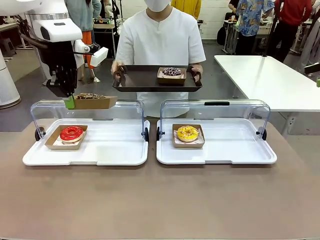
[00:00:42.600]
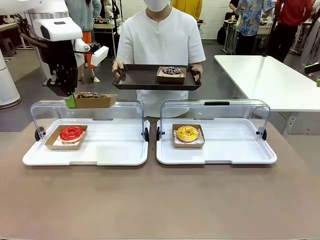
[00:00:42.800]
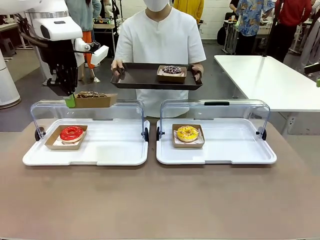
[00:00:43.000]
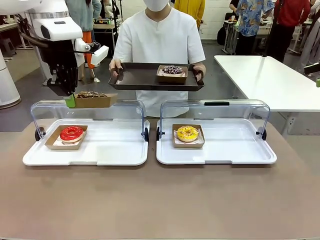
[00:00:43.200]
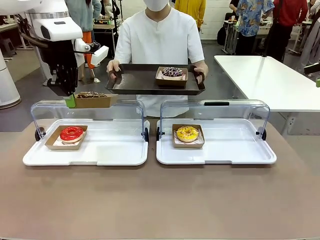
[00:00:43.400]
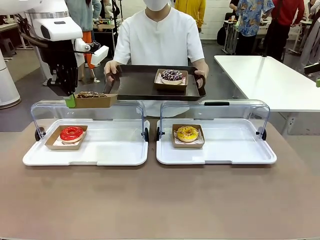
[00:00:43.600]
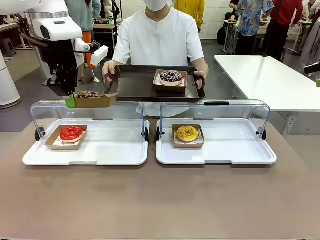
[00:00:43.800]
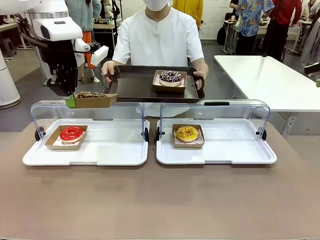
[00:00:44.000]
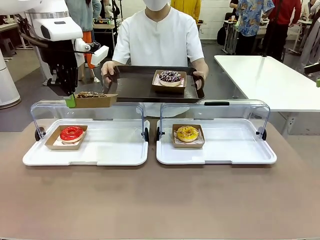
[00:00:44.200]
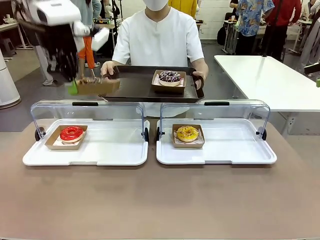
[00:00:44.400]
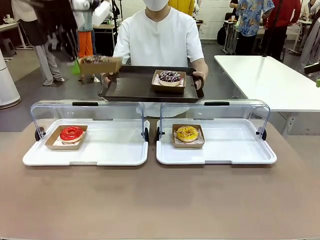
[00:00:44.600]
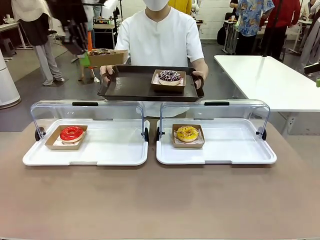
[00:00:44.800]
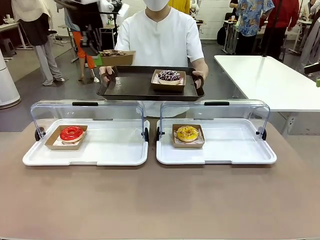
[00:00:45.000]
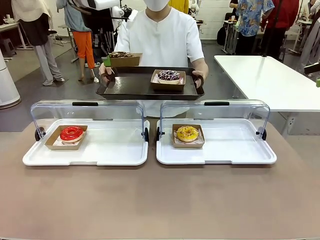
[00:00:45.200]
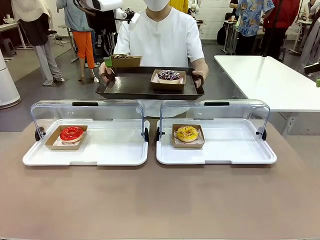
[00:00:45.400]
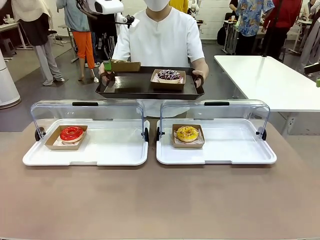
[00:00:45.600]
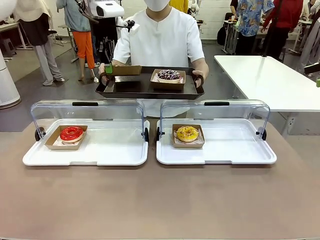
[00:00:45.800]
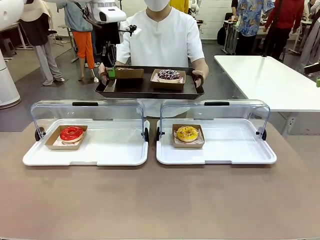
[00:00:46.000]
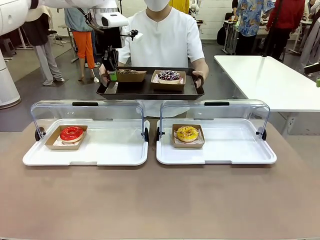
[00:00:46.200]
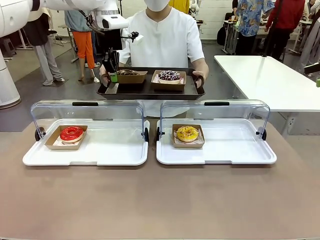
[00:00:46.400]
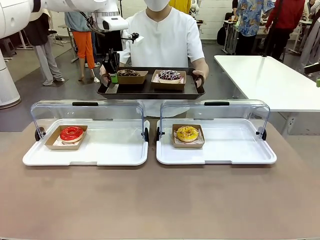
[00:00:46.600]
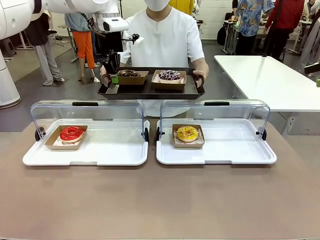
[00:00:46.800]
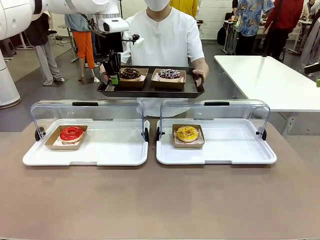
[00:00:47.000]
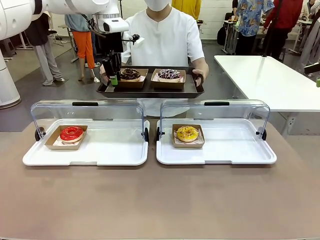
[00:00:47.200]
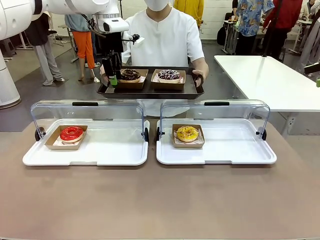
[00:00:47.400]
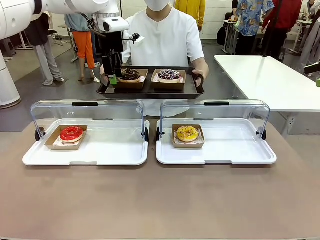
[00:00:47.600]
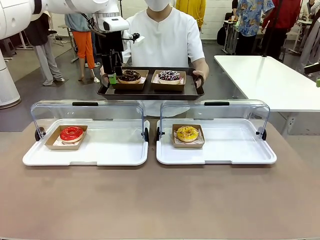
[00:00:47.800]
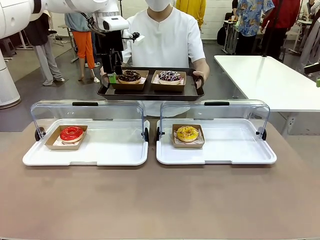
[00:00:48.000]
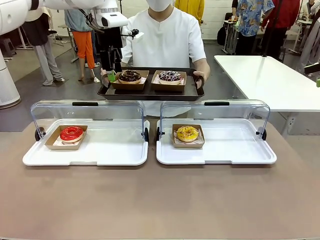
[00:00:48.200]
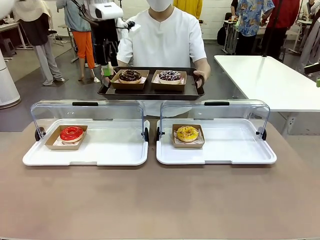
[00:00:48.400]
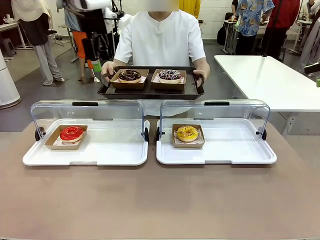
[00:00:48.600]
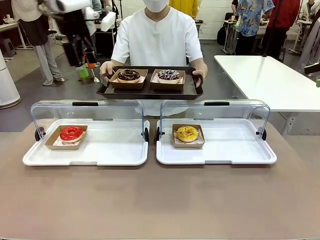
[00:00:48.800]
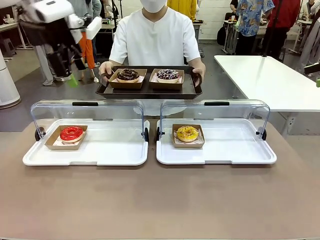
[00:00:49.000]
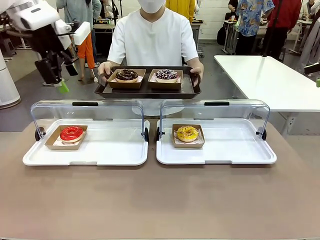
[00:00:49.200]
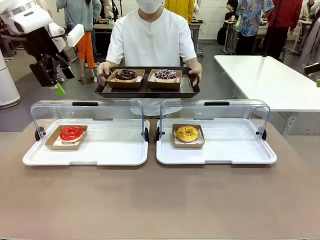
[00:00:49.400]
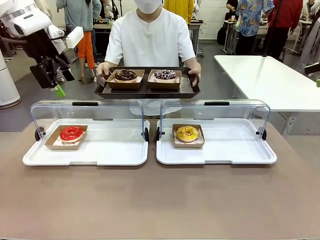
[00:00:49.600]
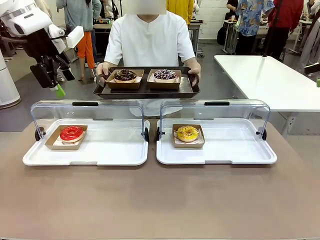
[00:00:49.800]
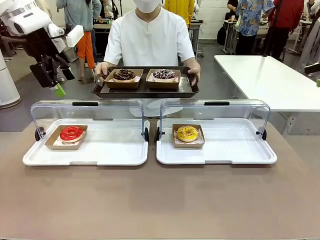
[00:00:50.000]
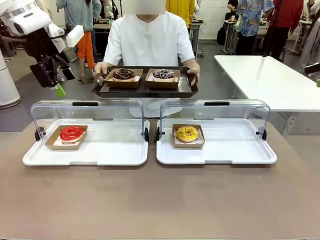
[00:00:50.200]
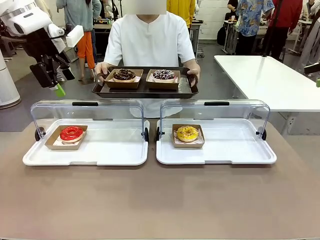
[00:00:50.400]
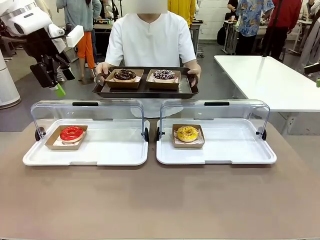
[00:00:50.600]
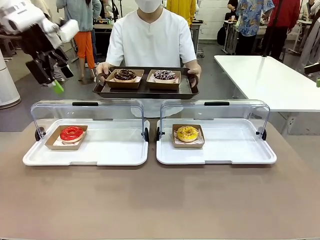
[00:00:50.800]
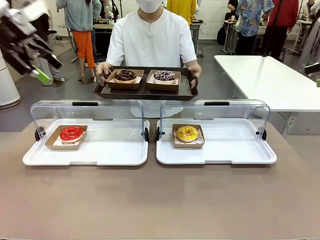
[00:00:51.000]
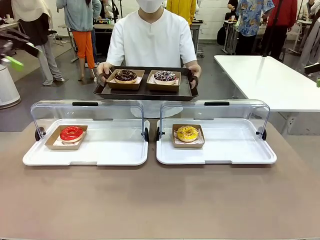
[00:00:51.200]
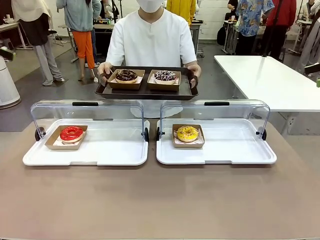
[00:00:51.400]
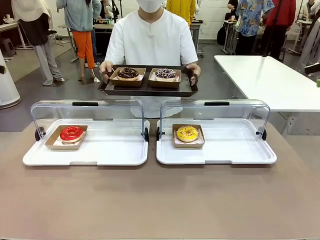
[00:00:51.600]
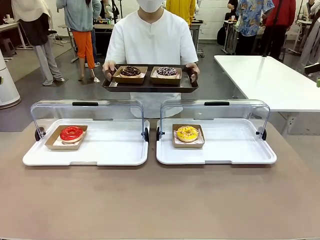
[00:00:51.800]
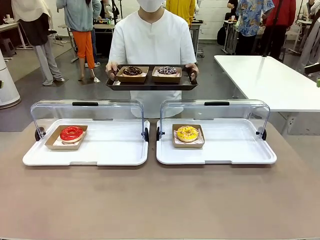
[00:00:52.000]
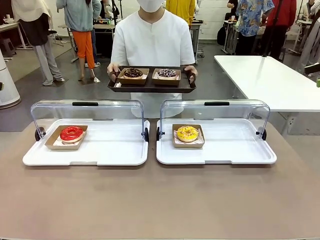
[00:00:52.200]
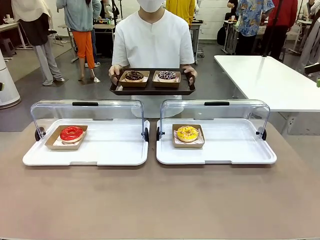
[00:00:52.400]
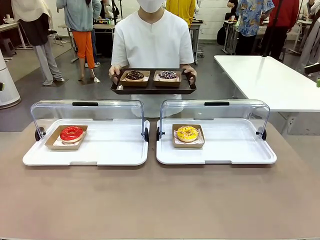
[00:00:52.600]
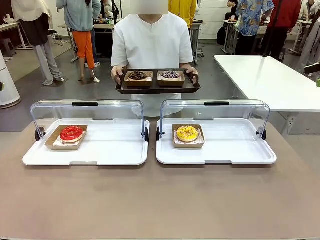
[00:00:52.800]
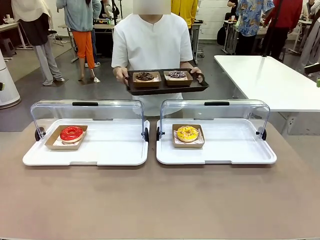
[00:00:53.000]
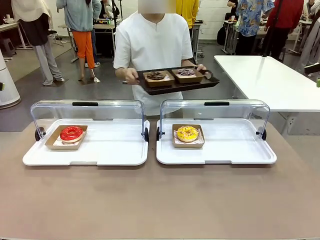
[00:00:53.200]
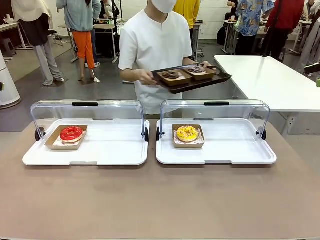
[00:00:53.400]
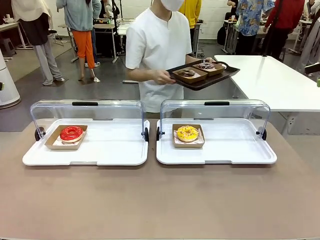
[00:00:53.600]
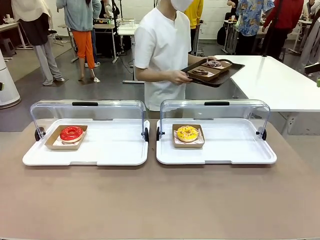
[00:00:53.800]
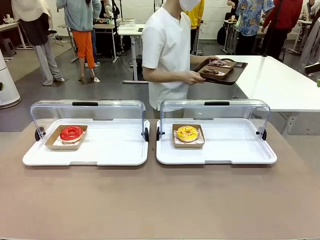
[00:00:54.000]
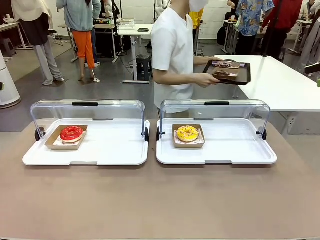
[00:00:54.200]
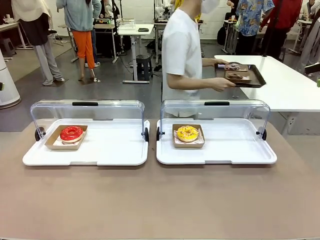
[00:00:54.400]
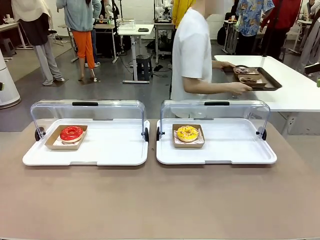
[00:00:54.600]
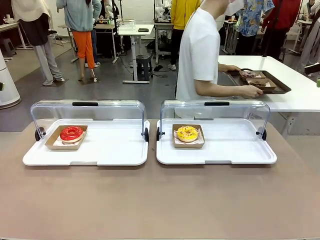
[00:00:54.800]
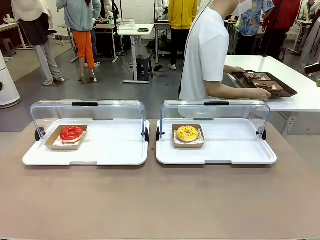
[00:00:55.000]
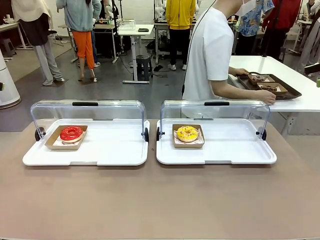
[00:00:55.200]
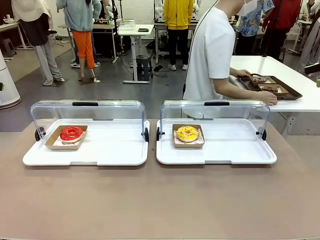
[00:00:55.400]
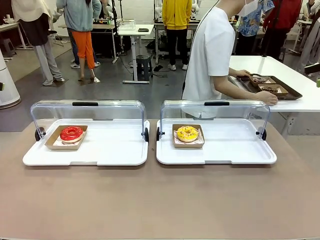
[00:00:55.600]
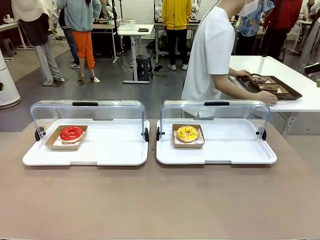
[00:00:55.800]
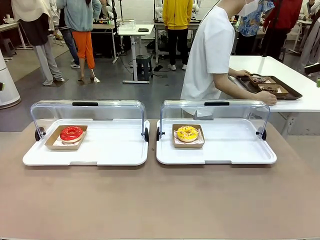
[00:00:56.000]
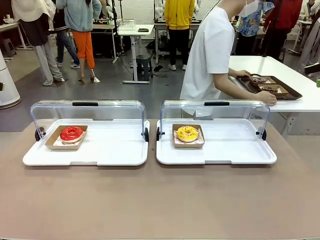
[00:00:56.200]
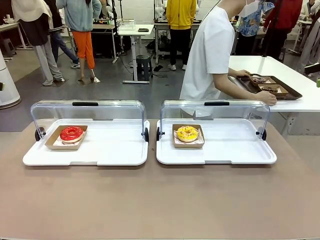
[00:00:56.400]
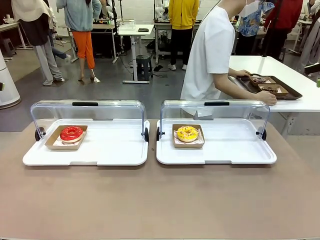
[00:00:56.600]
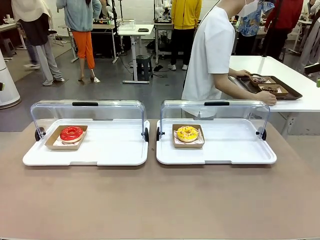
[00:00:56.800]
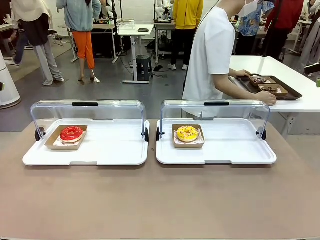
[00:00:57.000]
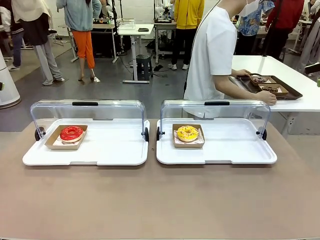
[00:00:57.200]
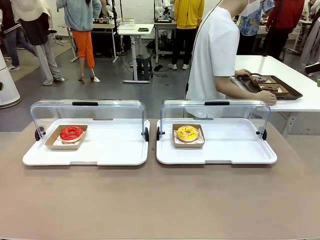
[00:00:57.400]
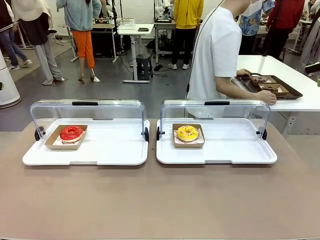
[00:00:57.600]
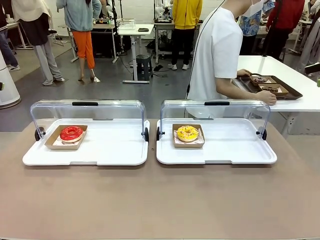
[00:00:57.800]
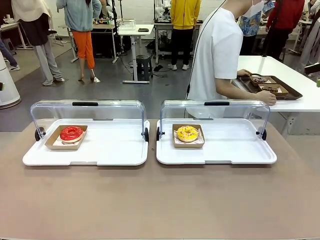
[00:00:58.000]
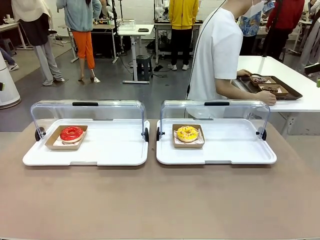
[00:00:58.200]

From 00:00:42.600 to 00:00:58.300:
Task: Provide the desired donut to the person.
Robot: Place the picked Paper togo box onto the Handle tray extended by the person.
Person: Lift the tray onto the Roll-Top Bakery Case. Place the tray in the middle of the human table.

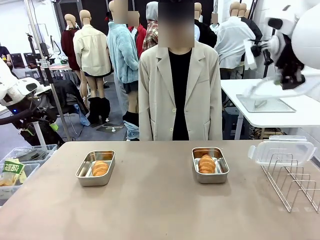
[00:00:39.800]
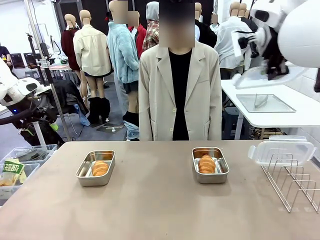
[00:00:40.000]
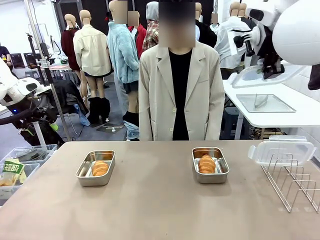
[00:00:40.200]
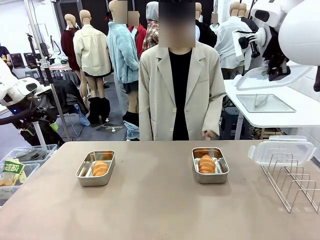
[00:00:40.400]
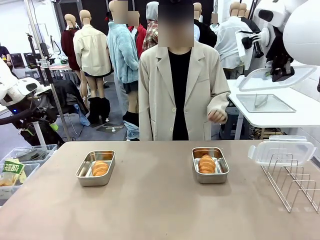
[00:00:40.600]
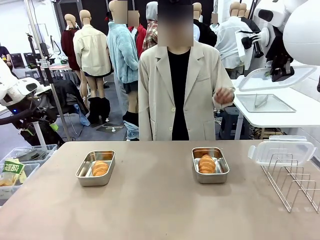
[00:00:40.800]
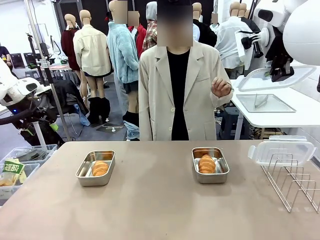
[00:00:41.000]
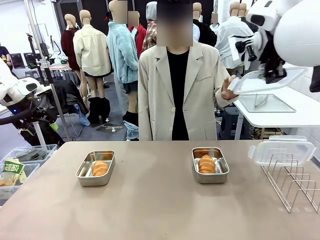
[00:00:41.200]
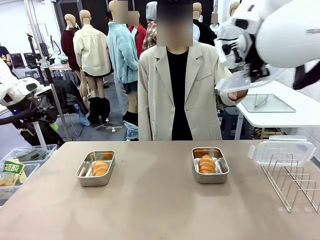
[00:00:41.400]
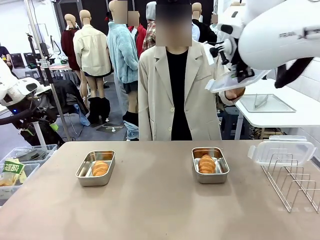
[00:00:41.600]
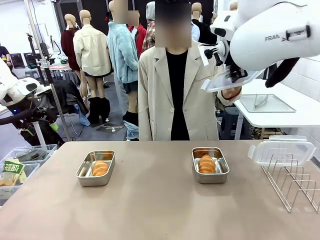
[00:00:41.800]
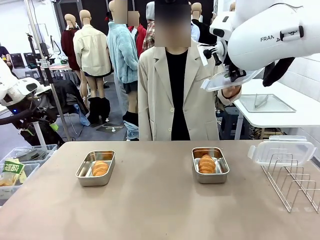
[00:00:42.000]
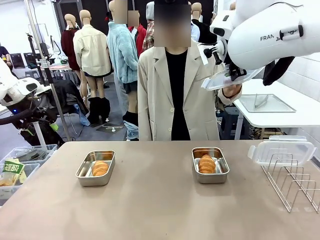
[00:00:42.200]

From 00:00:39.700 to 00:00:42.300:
Task: Place the bread in airtight containers.
Robot: Release when the human grabs the Airtight Container lid.
